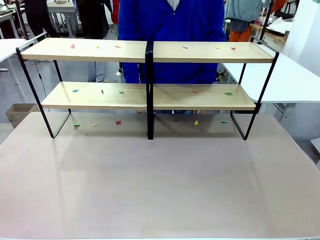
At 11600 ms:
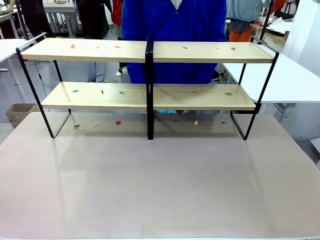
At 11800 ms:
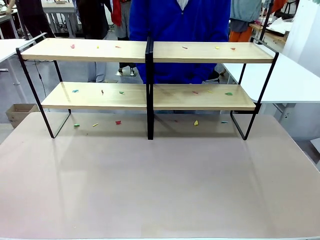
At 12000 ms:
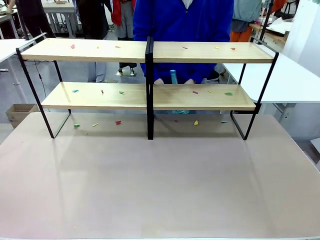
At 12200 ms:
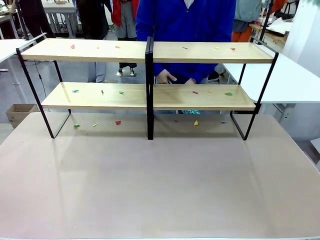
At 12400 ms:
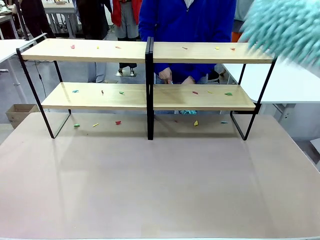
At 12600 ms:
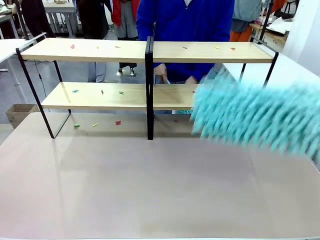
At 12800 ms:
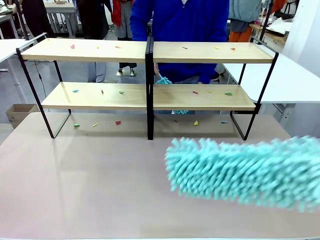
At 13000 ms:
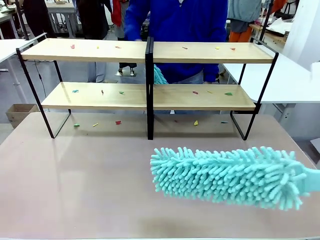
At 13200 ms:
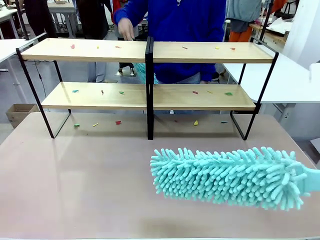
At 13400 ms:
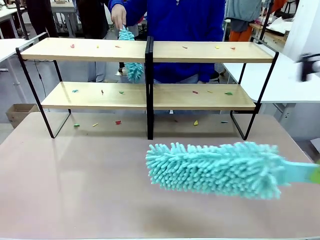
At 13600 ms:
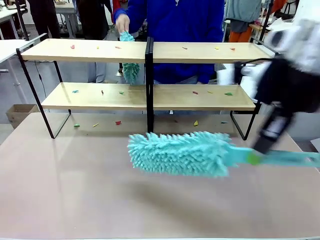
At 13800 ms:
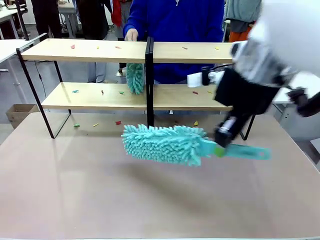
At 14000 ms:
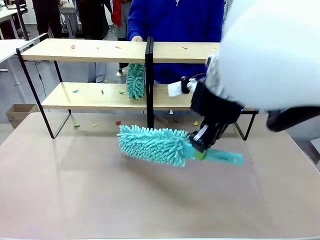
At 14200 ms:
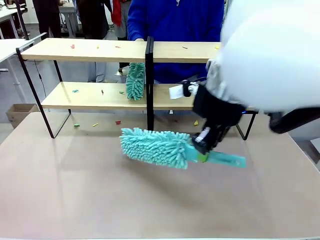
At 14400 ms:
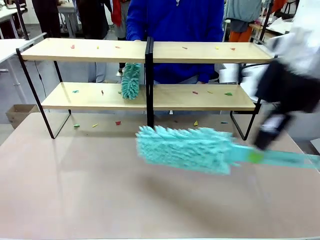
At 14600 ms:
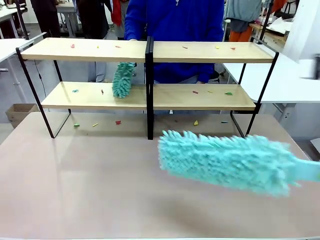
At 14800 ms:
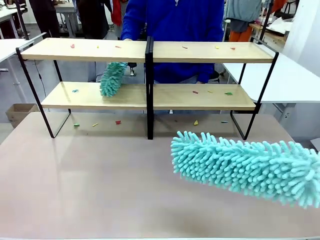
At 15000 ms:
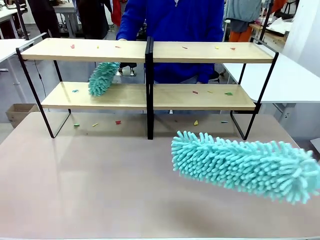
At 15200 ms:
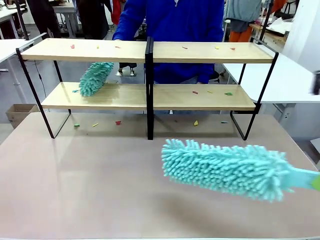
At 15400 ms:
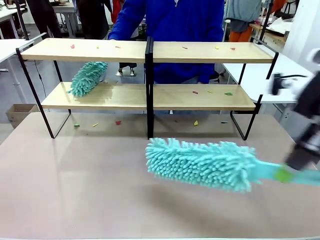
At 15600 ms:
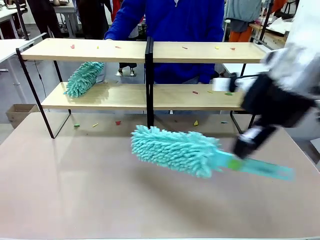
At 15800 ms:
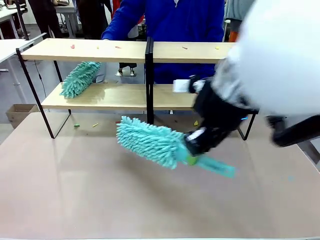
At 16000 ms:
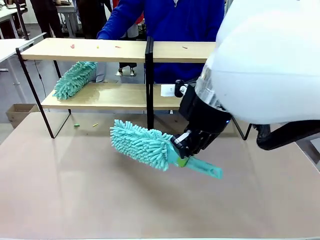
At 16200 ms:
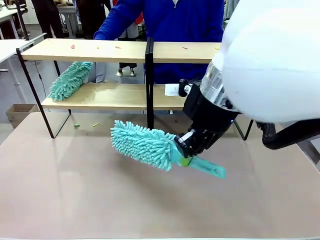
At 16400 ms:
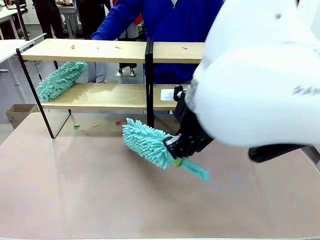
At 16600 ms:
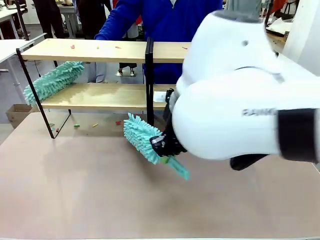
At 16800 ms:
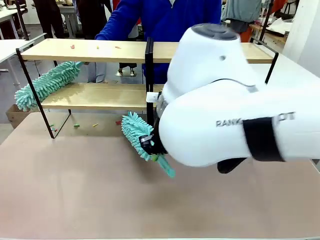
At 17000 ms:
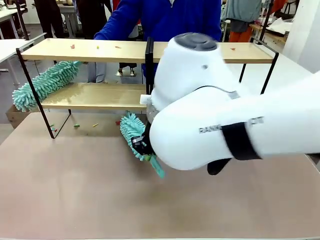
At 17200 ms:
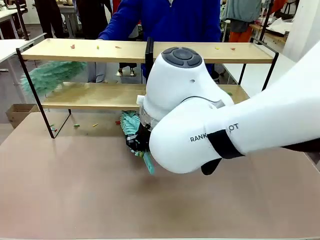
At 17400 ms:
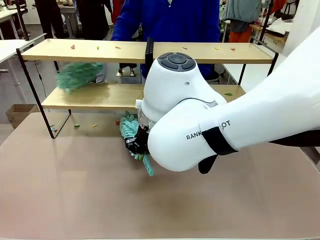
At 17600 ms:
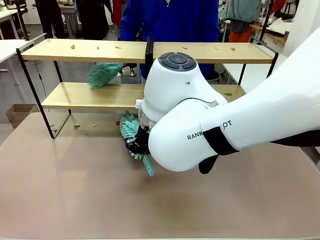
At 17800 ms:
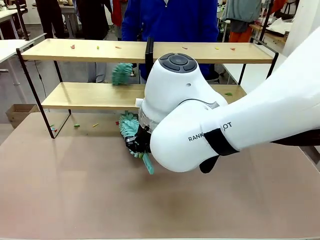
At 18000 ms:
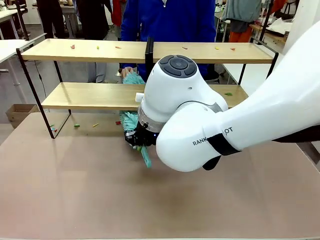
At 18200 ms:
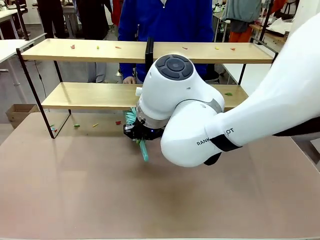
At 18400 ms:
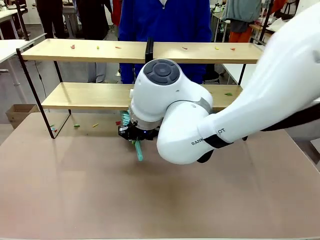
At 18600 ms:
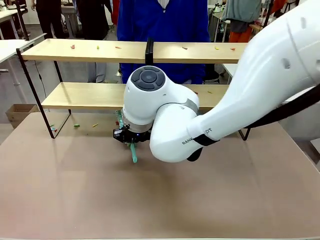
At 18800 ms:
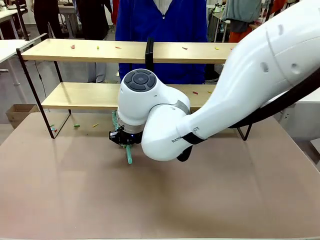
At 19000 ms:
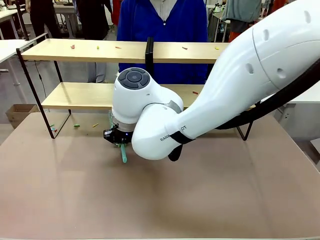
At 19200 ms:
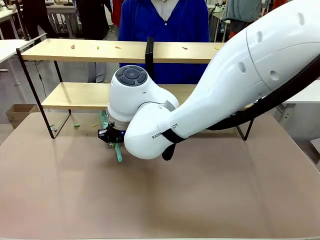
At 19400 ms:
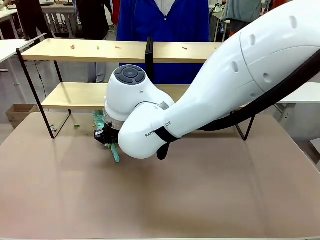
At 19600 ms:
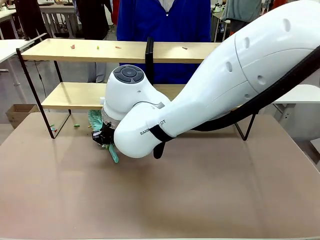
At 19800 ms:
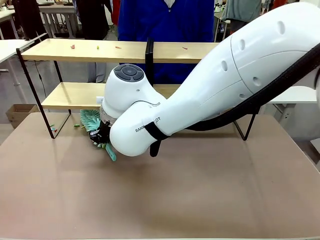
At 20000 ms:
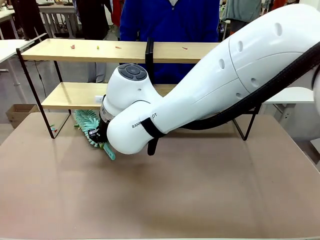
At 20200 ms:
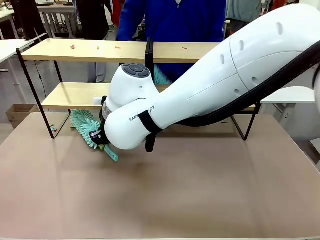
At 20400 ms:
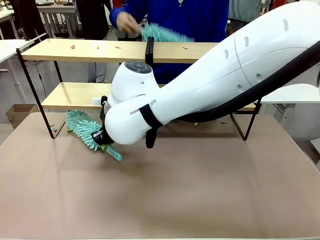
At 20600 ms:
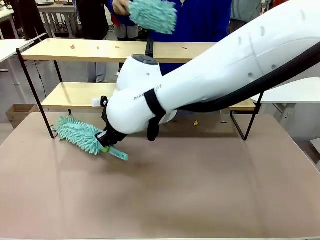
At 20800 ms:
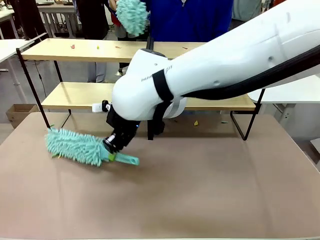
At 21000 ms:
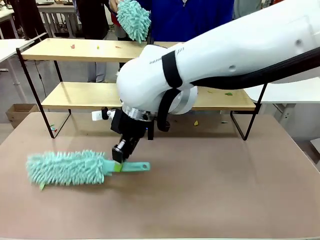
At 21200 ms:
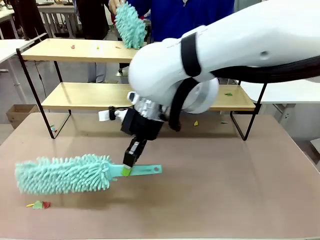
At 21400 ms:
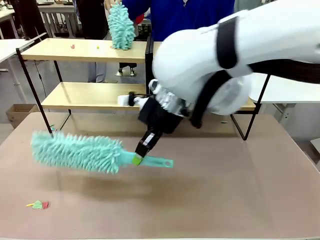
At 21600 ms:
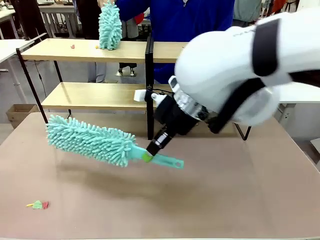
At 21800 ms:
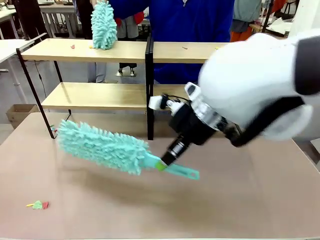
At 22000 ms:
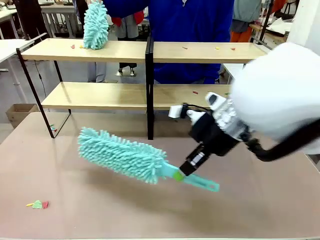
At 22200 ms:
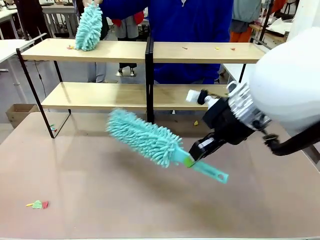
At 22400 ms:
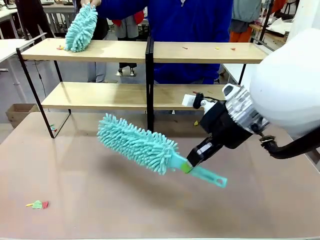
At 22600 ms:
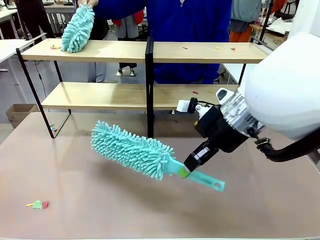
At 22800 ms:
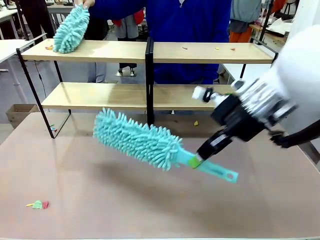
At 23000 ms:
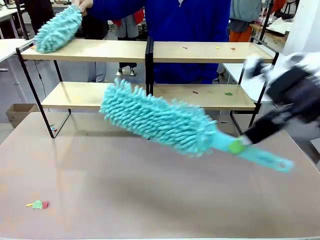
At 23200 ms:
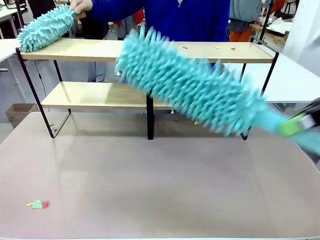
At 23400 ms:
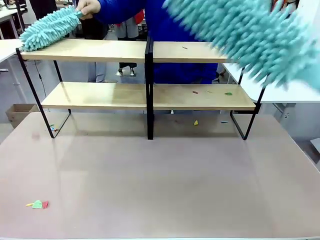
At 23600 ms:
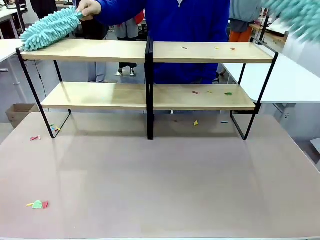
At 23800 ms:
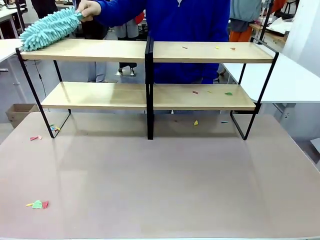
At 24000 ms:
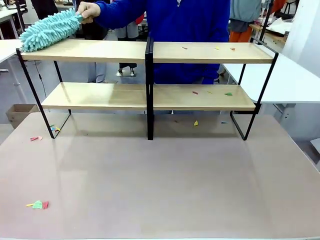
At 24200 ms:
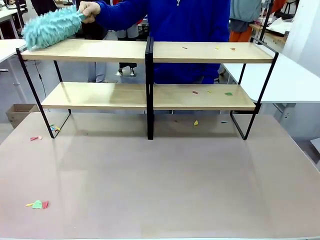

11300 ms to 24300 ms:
Task: Clean the shelves.
Robot: Clean a randomly selected level of the Shelf with the Duster.

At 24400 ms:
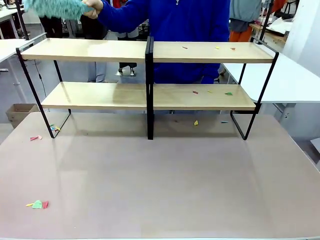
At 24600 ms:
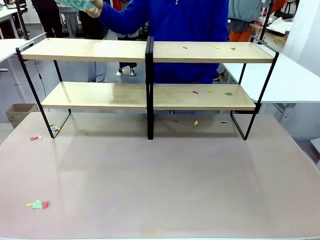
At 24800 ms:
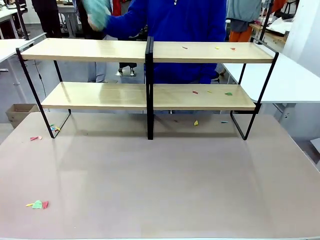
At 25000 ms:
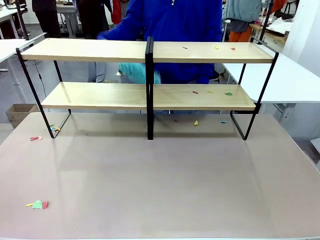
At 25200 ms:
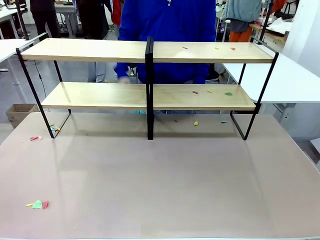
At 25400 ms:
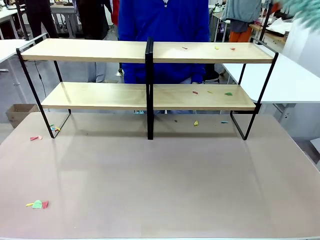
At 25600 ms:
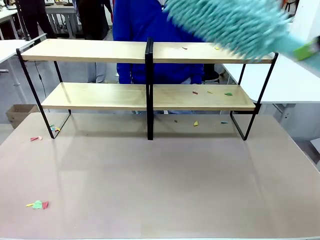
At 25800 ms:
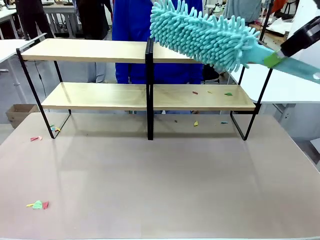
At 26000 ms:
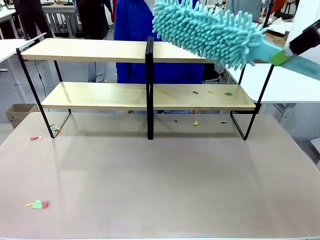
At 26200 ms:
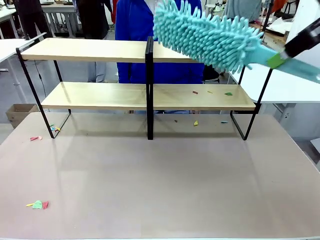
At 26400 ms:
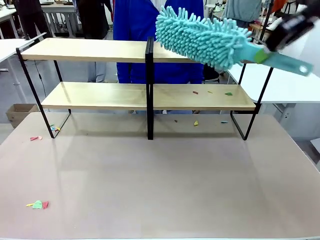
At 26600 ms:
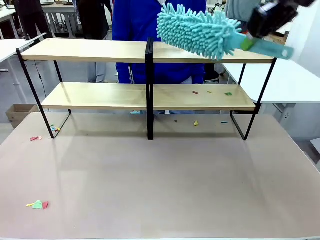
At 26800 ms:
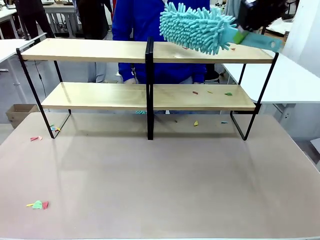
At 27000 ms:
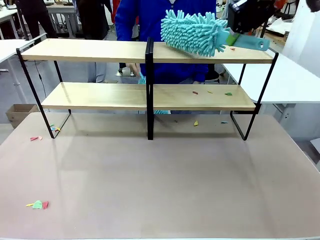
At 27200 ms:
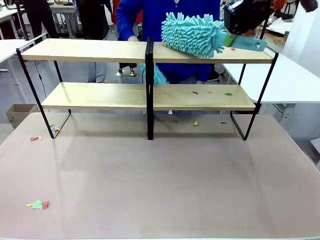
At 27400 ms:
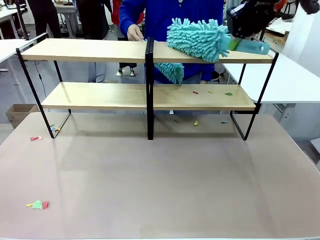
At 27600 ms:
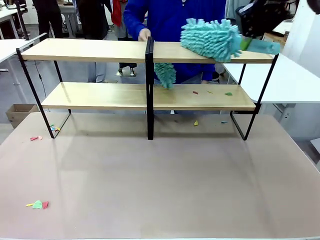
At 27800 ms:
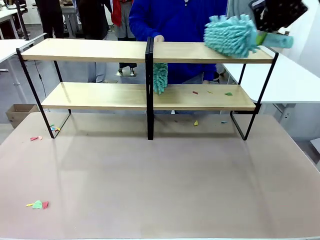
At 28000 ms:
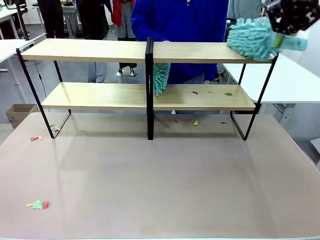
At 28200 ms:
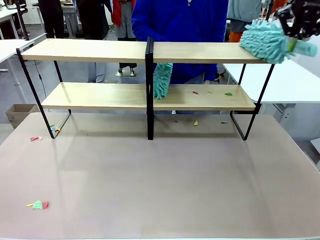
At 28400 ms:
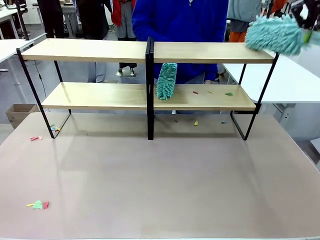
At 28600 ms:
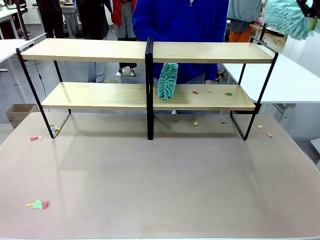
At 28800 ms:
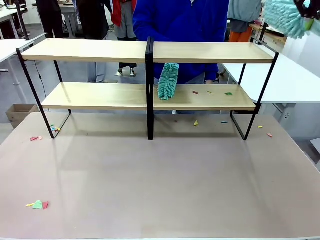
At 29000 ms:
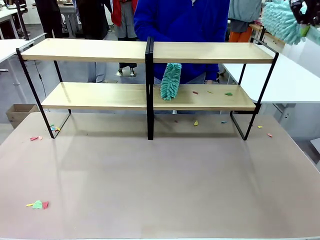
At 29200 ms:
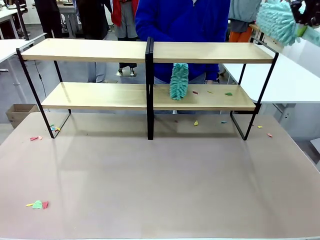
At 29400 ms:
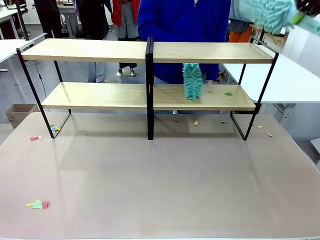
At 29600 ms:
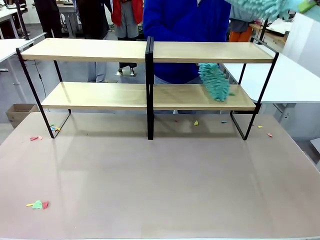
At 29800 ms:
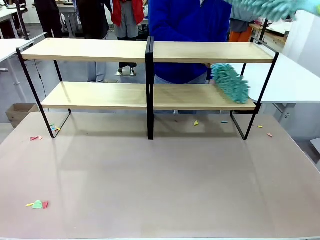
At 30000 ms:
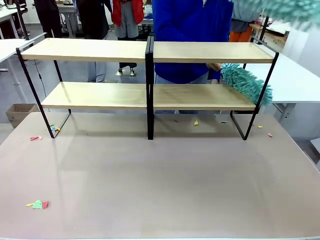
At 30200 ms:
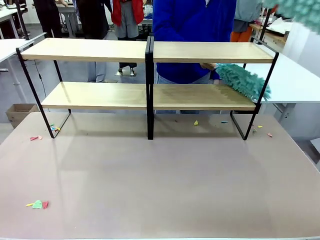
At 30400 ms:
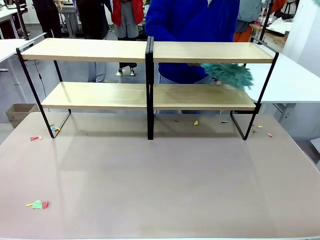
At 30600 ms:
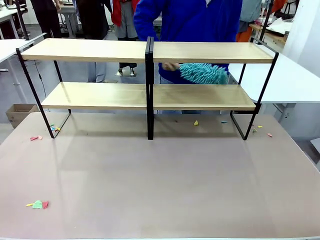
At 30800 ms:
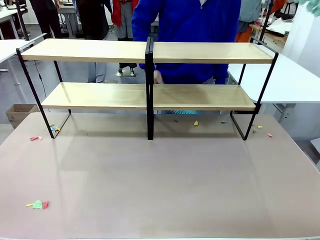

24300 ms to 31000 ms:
Robot: Clean another randomly selected level of the Shelf with the Duster.
